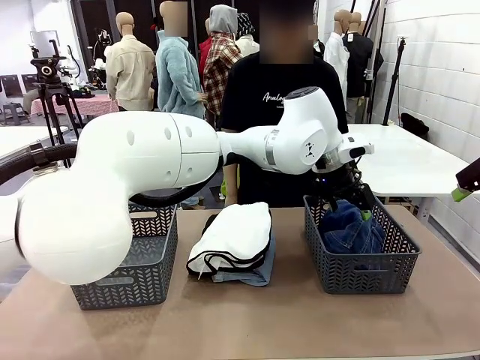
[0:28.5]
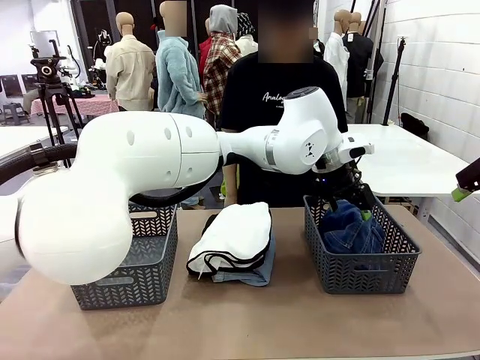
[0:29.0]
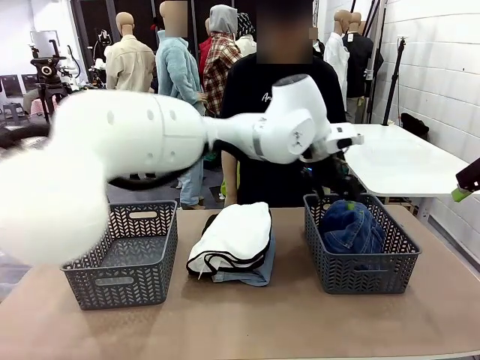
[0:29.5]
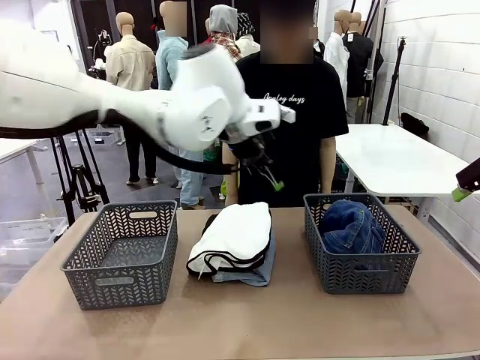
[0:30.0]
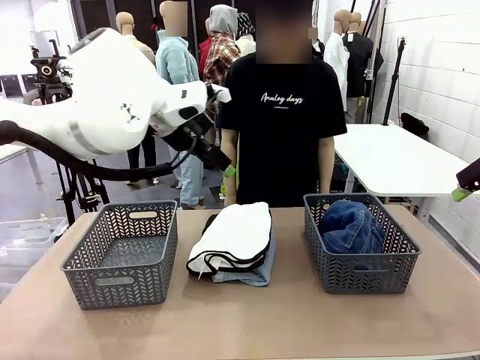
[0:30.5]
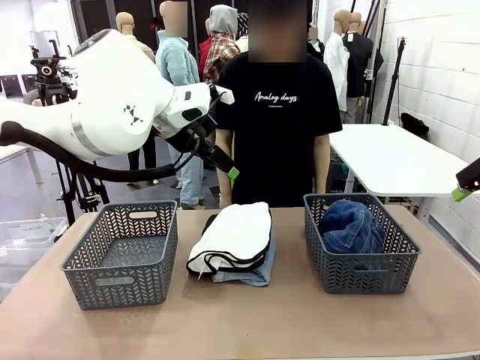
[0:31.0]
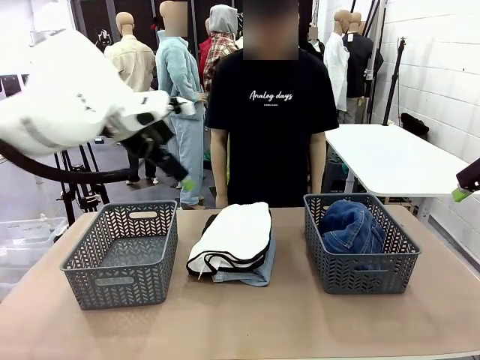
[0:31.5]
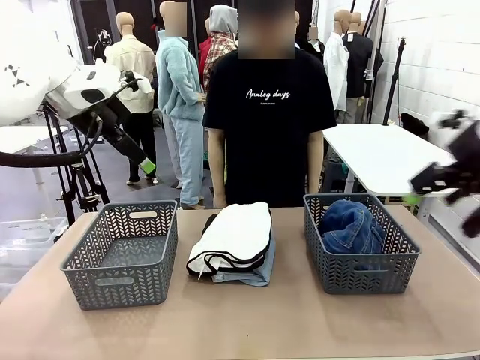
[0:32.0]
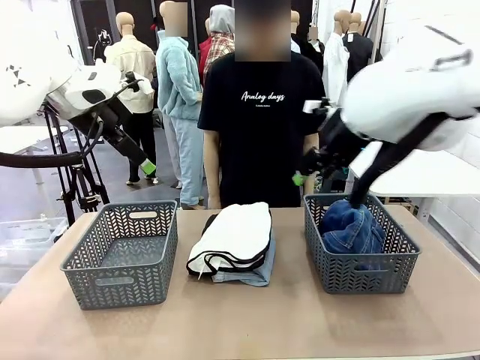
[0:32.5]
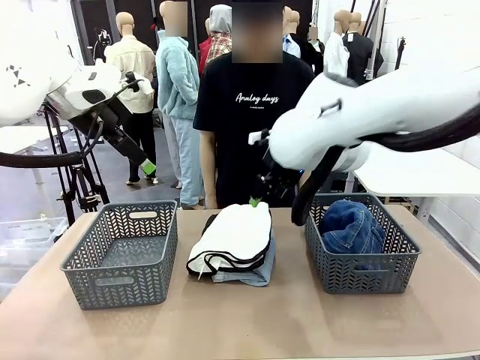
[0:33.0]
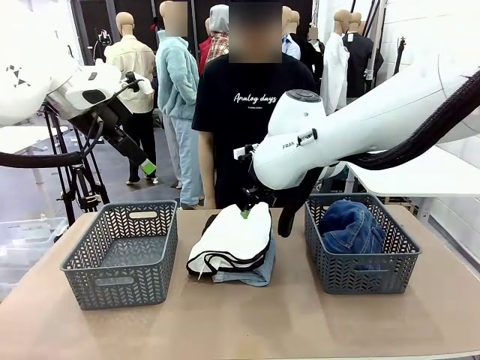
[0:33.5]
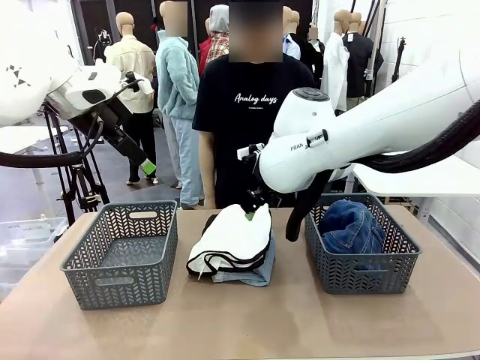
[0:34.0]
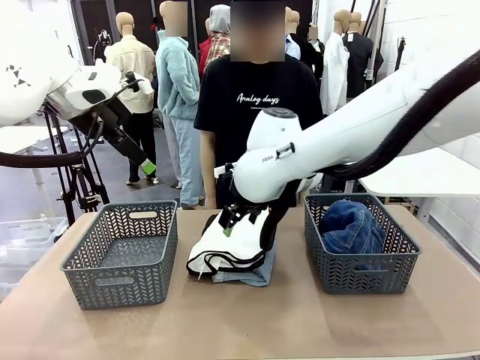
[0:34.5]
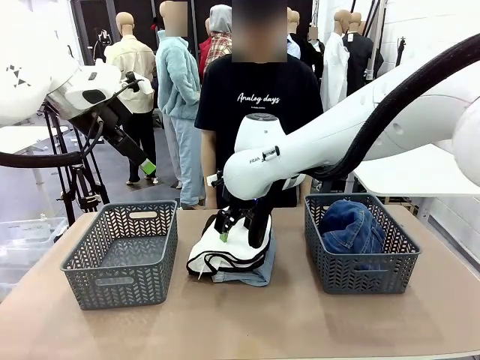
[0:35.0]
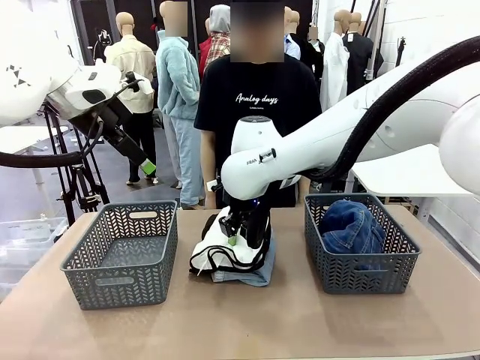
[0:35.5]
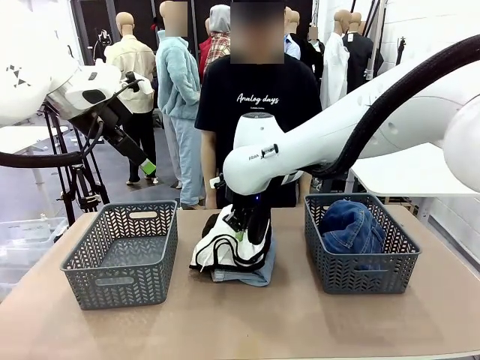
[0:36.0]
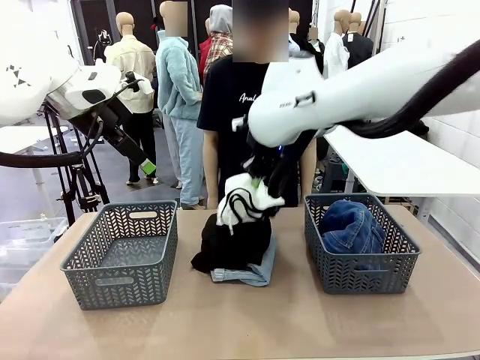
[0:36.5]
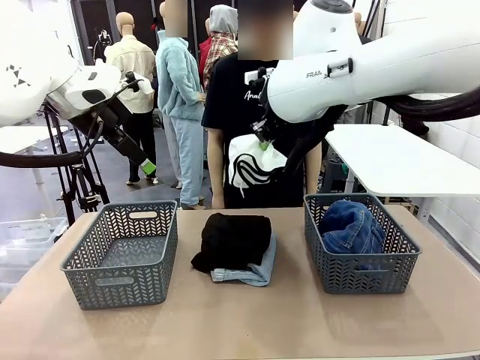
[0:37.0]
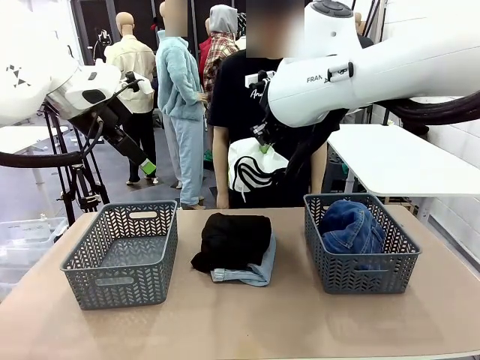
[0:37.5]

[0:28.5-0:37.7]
Task: Sort the tops and bottoms.
Robot: Lift clothes from the center of the table with your right hand.

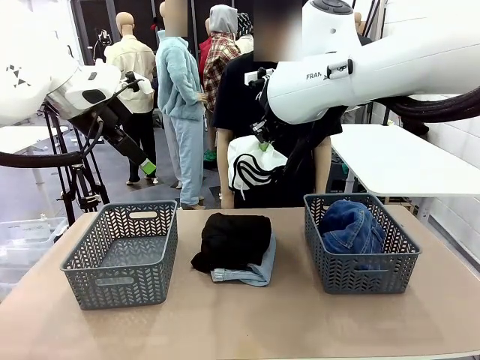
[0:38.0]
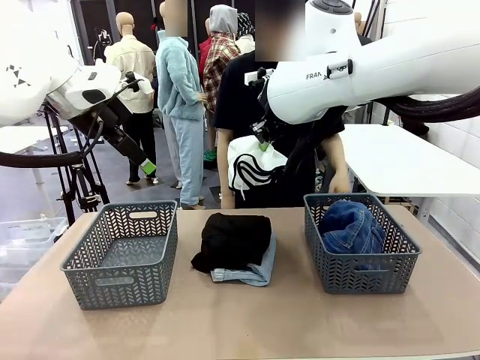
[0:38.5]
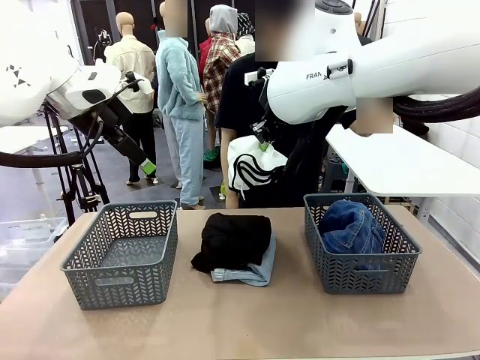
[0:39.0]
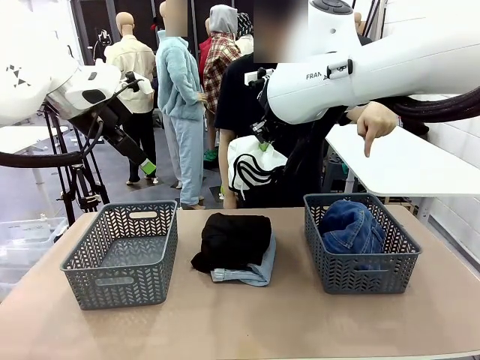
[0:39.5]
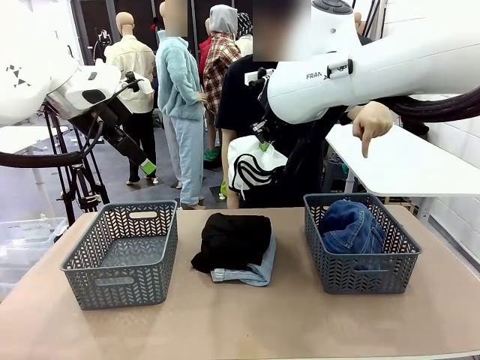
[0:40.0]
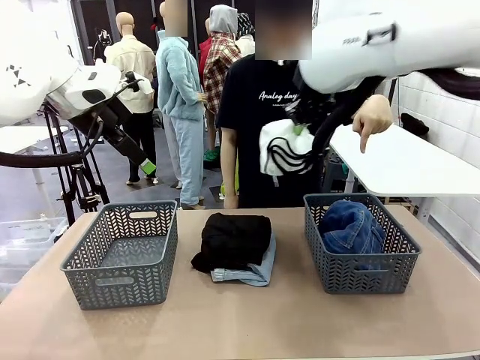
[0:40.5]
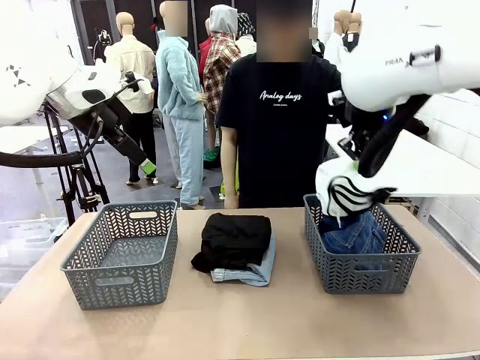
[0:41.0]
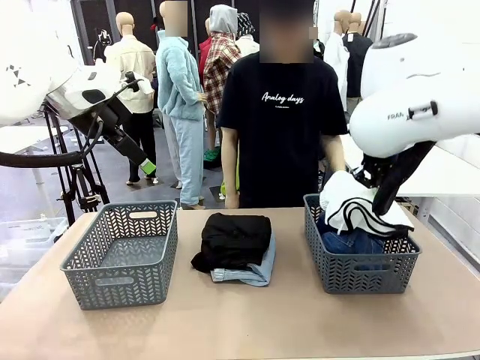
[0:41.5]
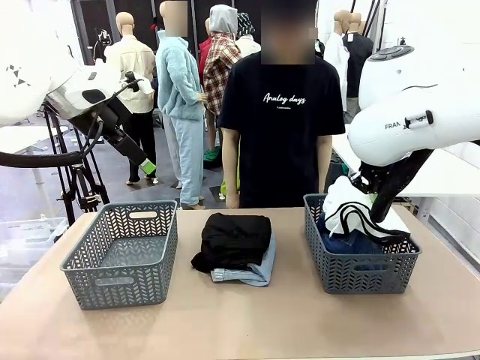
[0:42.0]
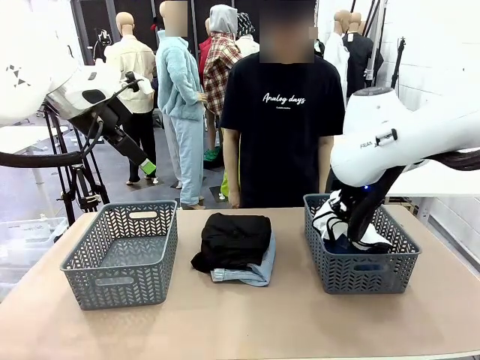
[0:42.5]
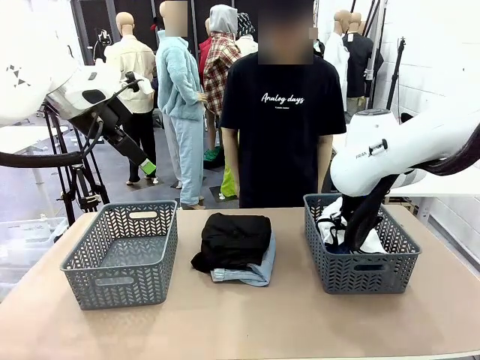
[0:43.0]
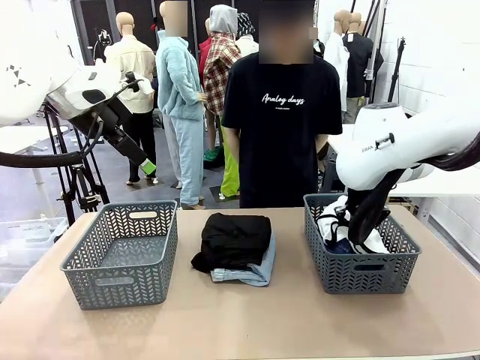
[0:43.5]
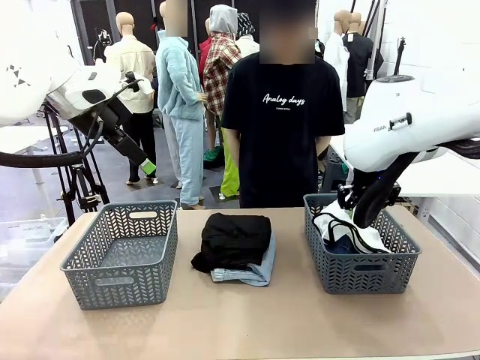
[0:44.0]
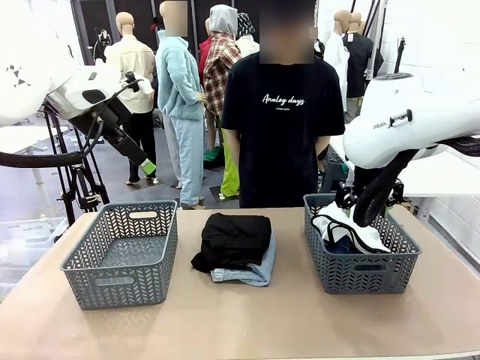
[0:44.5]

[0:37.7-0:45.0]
Robot: Sort the clothes according to human instructions.

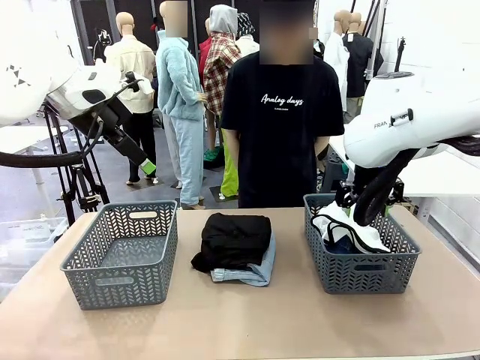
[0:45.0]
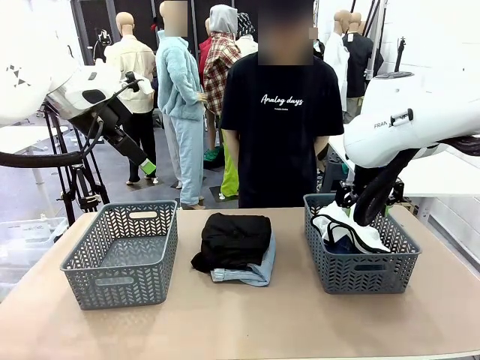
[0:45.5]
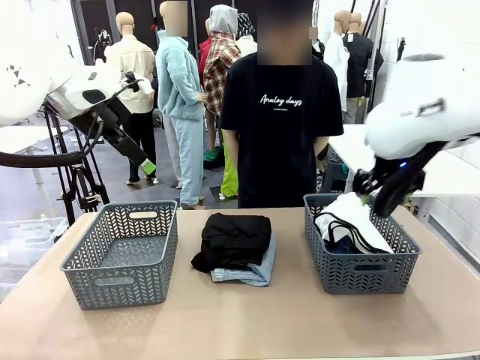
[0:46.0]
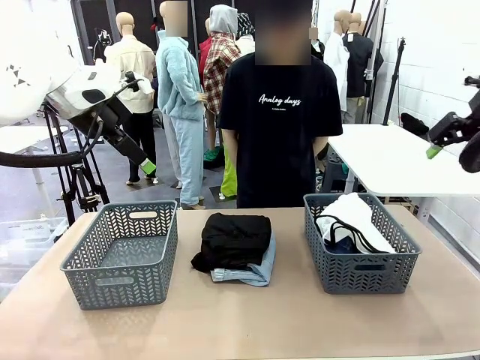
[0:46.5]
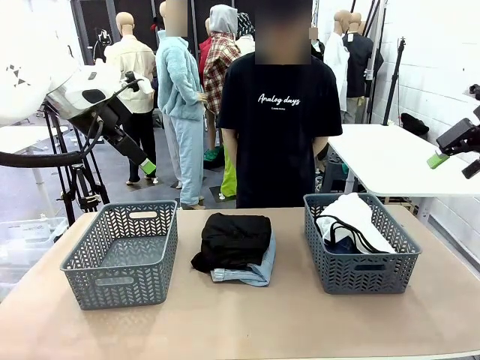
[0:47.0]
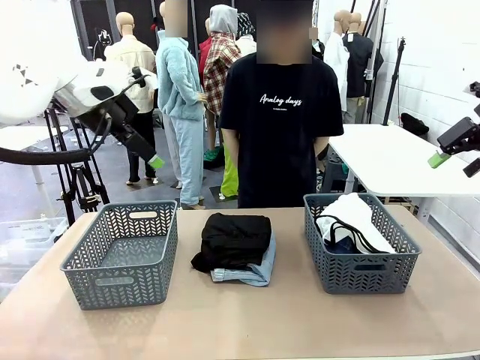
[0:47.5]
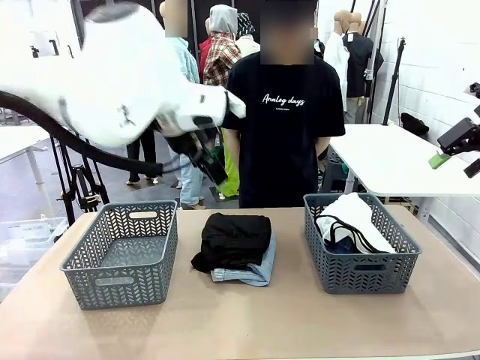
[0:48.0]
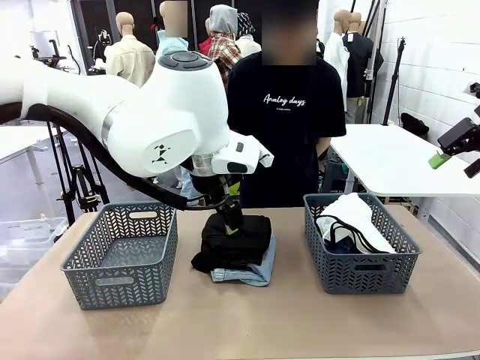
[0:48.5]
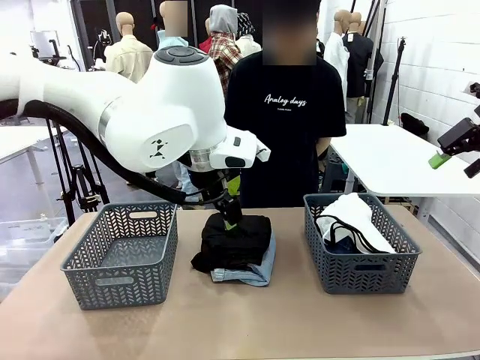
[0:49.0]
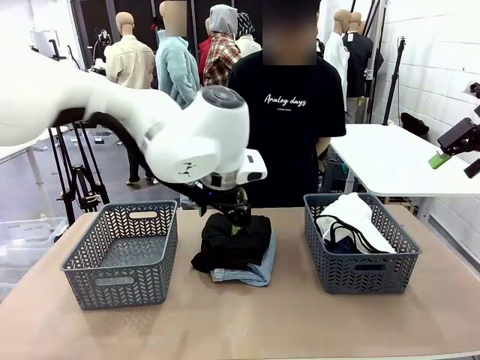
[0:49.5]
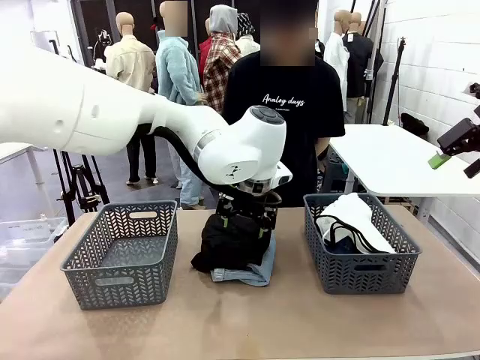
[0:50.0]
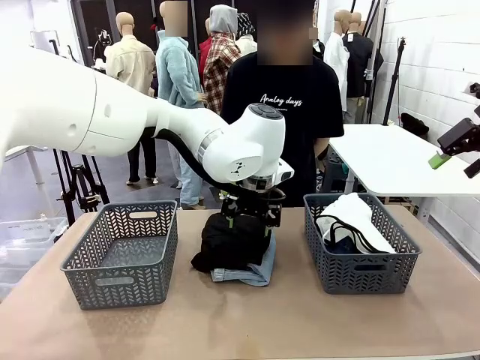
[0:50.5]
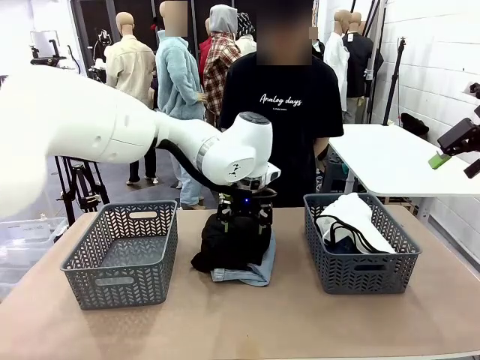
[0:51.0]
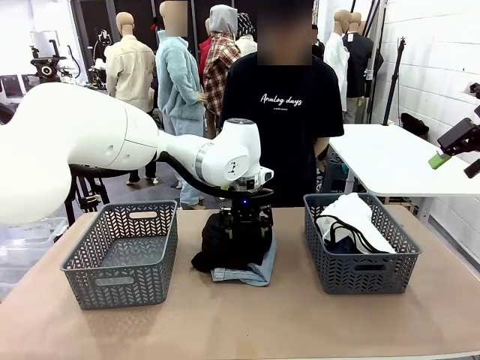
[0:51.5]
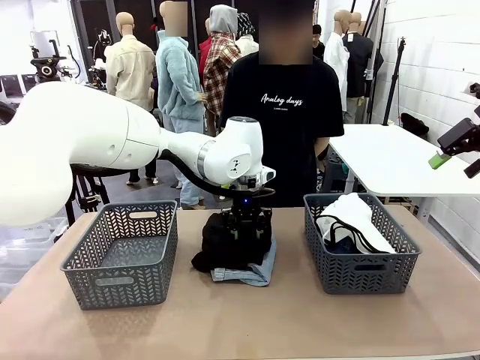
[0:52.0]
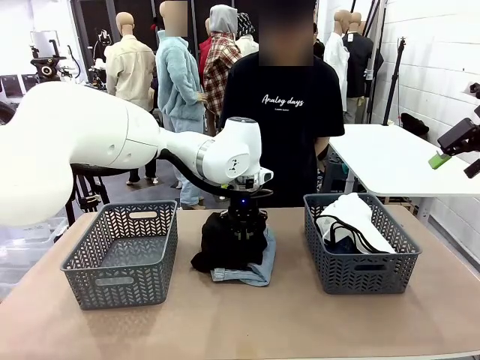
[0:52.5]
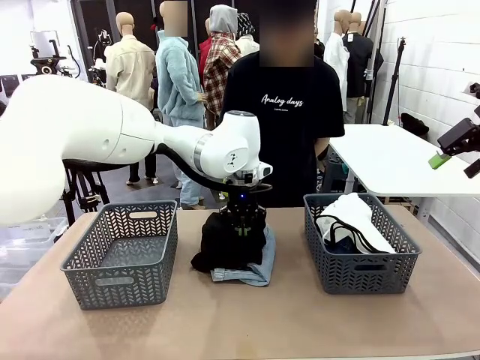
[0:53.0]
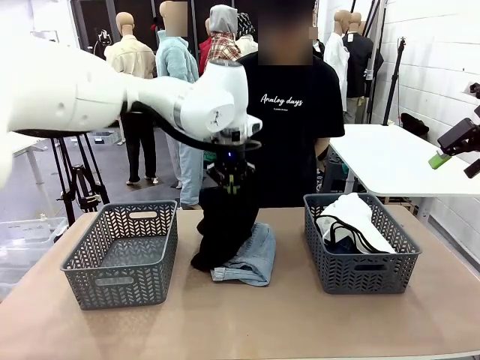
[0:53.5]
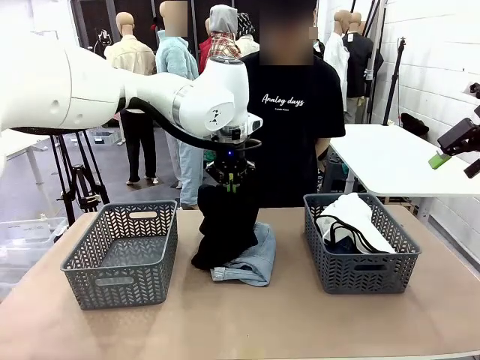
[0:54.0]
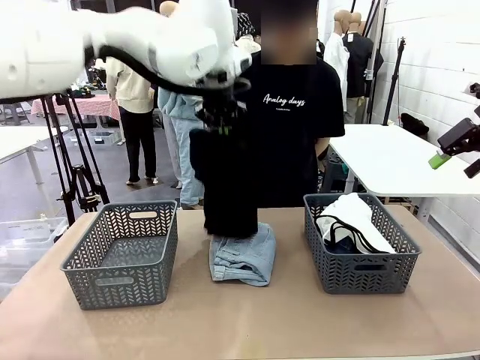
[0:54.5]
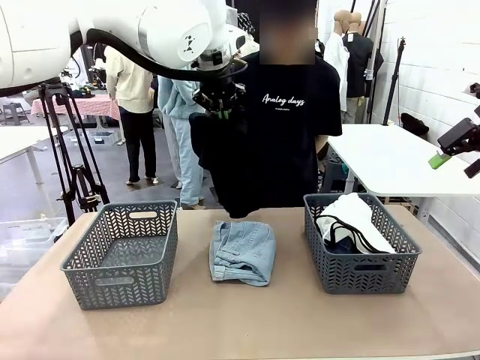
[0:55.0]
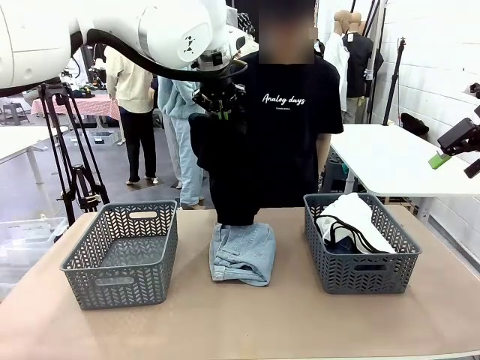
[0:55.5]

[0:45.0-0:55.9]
Robot: Lift clothes from the center of the table with your left hand.
